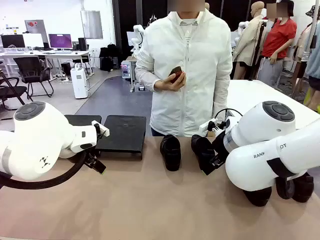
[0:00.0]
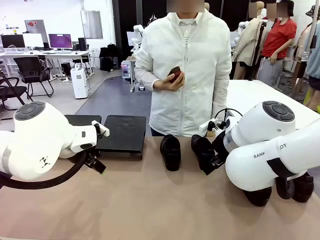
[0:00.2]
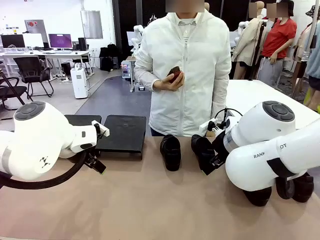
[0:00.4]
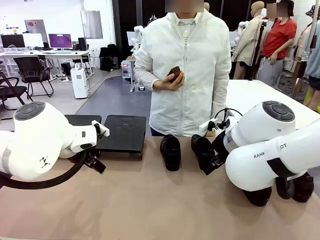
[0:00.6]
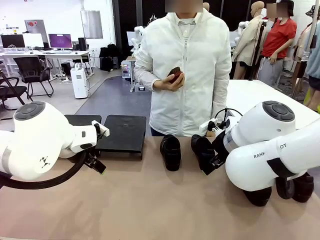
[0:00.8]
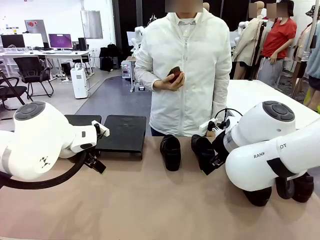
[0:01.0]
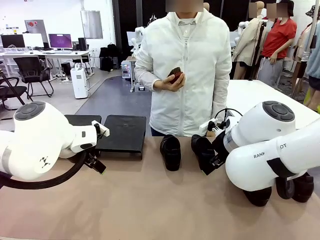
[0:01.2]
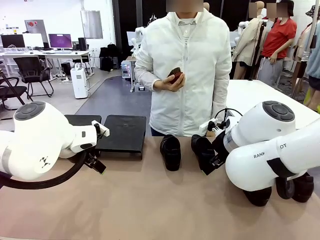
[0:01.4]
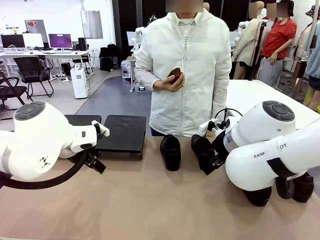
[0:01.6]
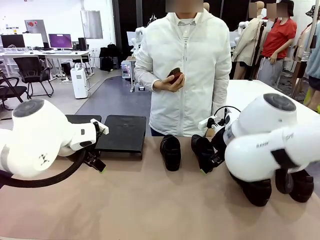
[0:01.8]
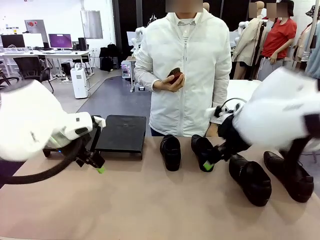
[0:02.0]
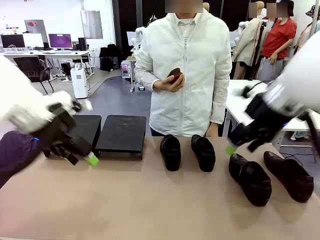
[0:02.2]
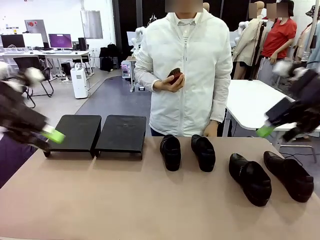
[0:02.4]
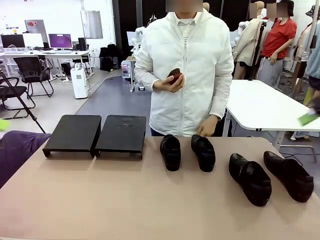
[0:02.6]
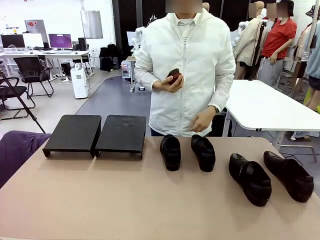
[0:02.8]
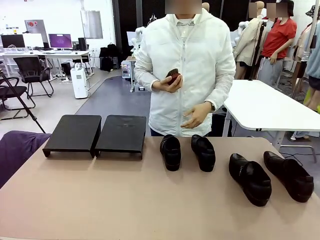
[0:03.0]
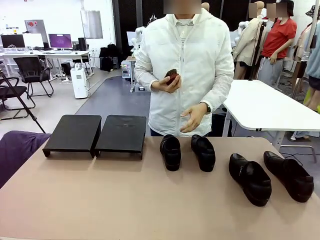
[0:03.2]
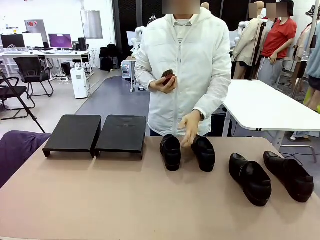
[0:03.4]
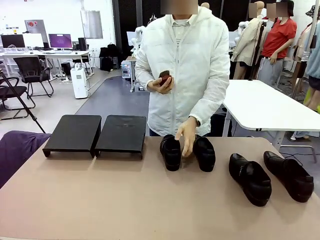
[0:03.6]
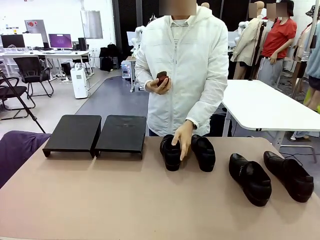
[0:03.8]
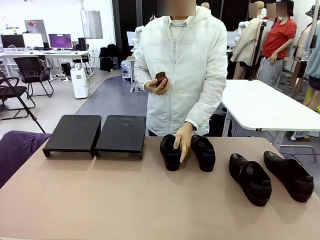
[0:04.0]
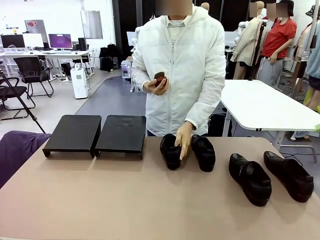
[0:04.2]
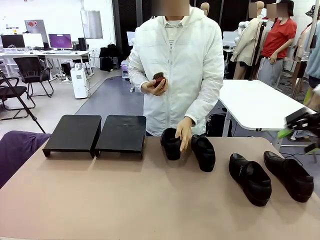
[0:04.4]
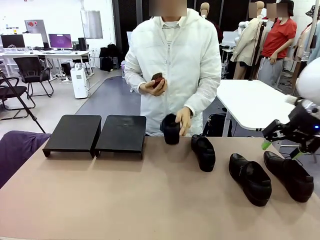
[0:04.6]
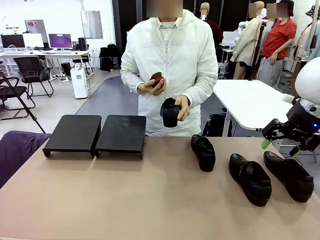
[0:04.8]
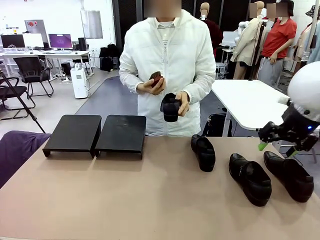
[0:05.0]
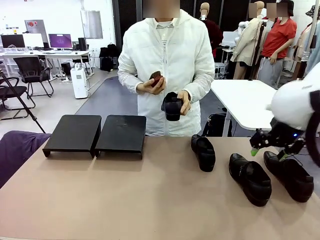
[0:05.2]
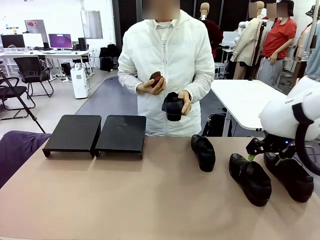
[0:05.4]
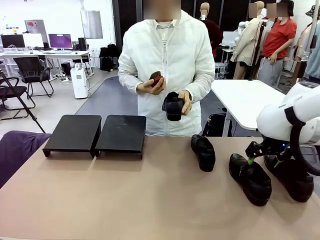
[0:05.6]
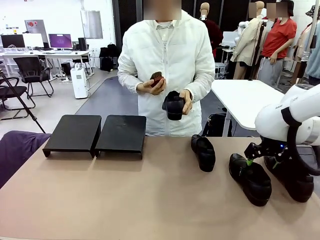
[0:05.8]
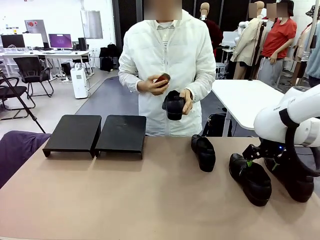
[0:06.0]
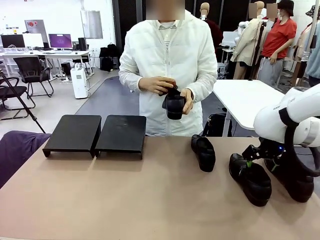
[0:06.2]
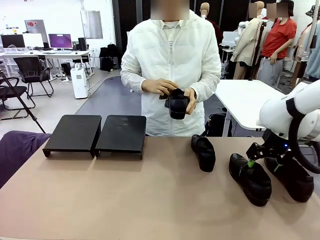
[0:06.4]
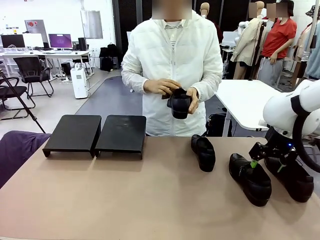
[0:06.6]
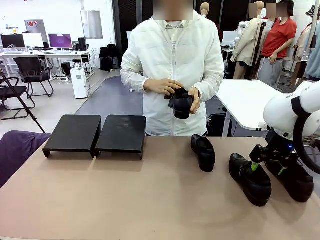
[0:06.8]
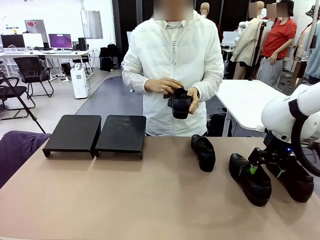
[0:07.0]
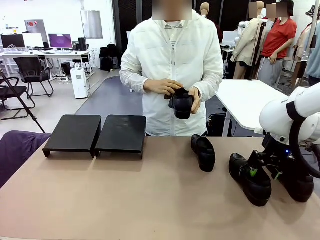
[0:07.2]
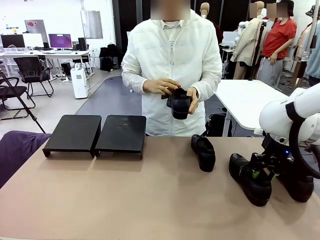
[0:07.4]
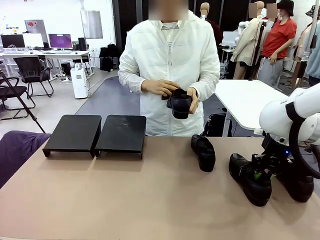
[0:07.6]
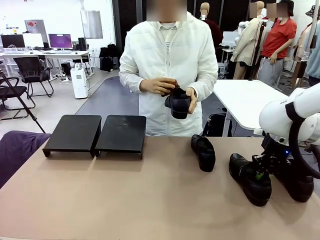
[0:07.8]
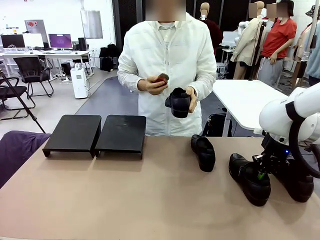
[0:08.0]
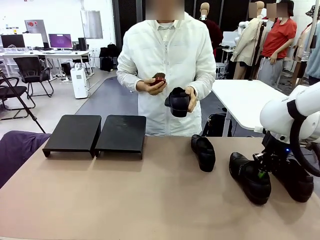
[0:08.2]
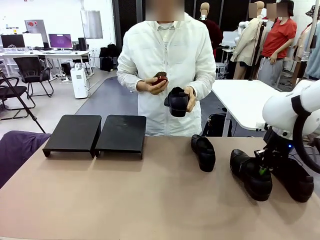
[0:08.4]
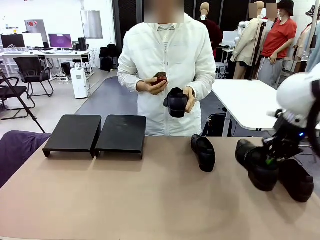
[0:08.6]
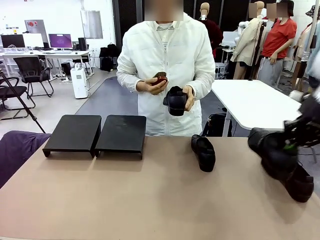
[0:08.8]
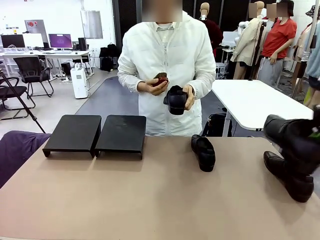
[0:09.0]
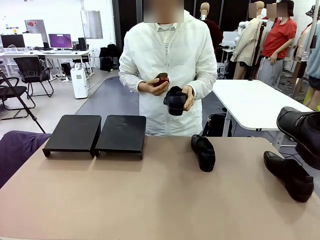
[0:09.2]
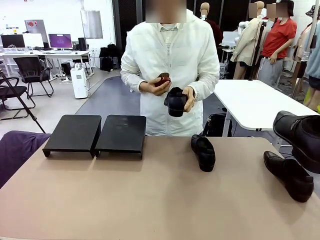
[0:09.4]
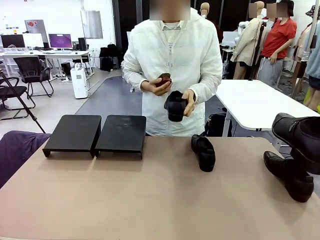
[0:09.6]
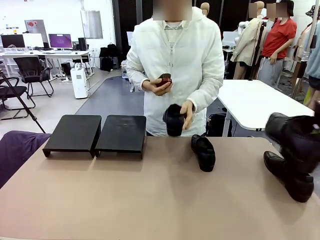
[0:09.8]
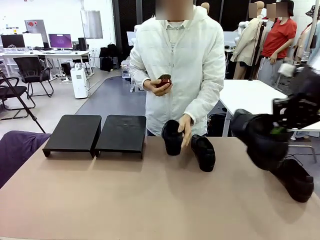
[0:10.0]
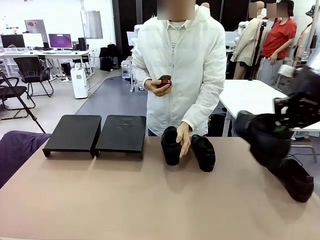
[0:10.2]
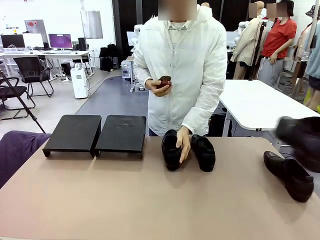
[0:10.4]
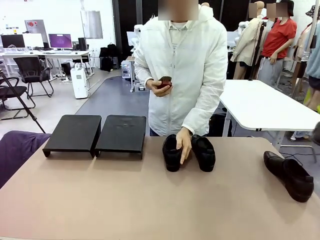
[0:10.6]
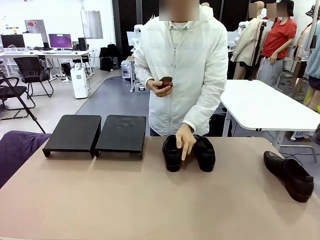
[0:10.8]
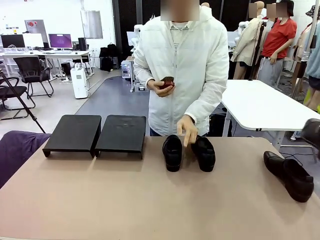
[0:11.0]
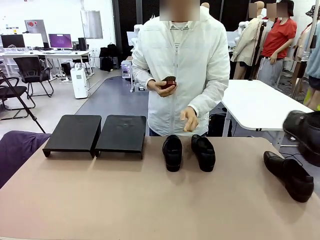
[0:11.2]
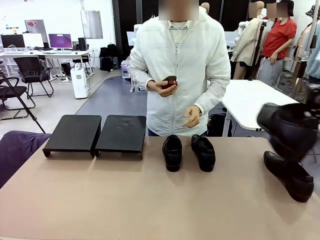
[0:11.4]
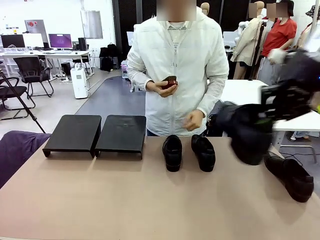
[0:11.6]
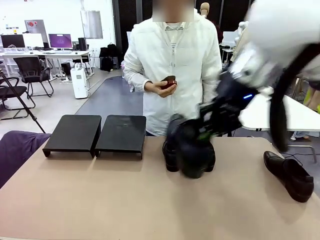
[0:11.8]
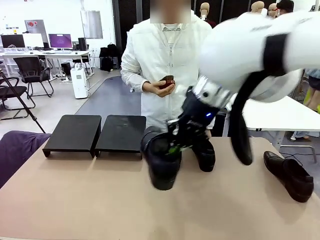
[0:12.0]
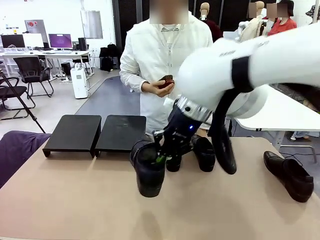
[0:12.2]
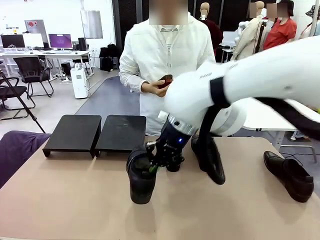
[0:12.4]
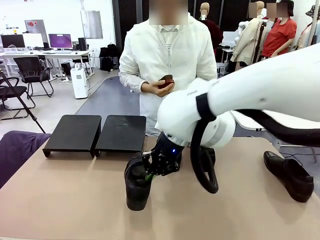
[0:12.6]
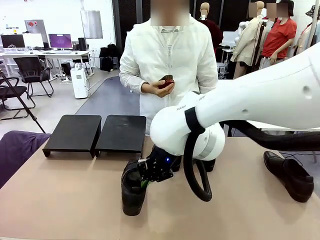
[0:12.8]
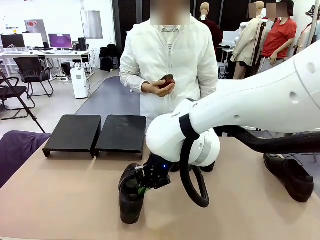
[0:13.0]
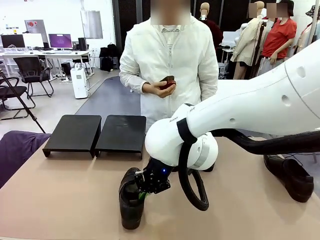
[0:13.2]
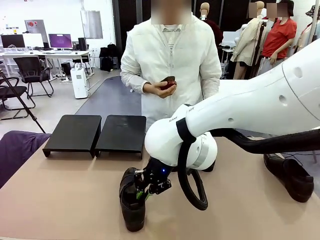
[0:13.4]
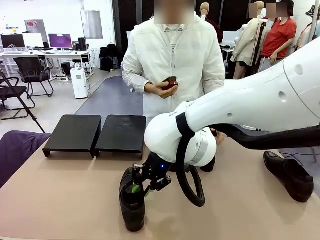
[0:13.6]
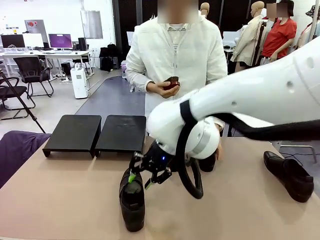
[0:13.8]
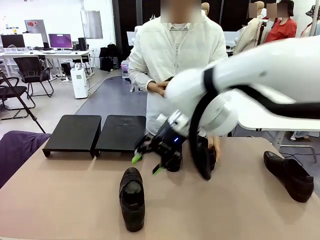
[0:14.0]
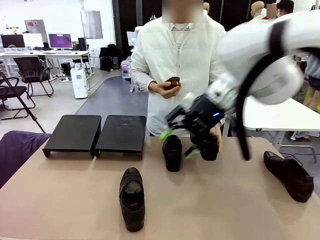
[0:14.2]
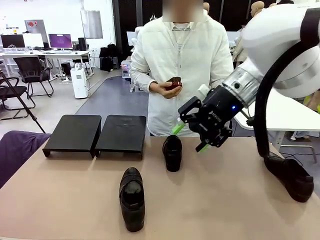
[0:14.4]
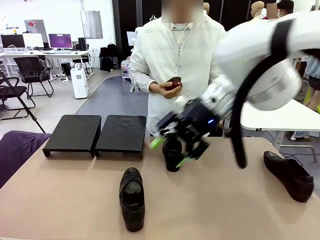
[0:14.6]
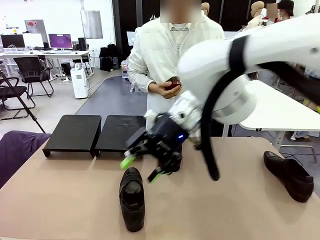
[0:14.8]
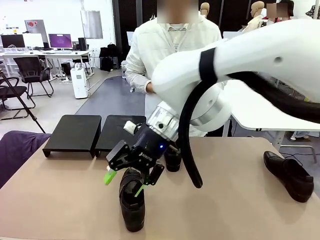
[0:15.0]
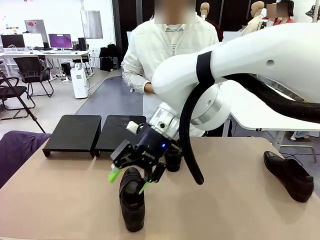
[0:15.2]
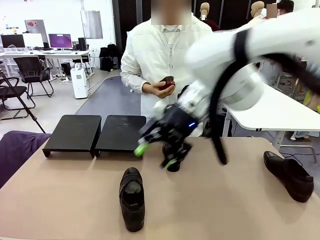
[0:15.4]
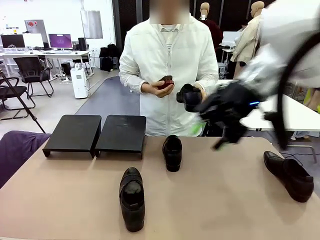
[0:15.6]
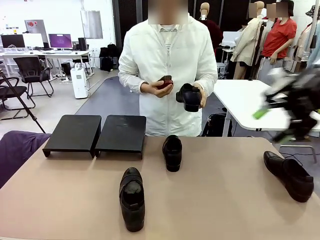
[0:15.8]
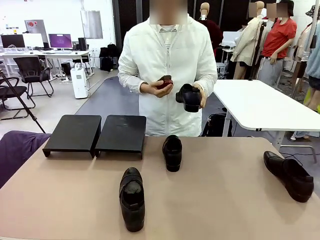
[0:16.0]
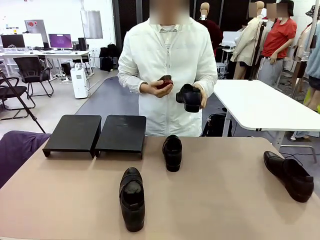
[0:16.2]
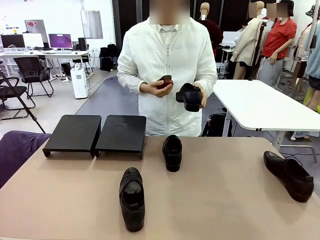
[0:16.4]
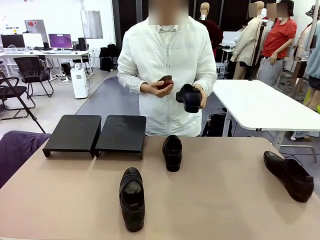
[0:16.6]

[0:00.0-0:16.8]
Task: Organize the shoes by placing them on the stand.
Robot: Pick up one Shoe and place it in the middle of the table.
Person: Pick one Shoe on Robot's table. Clean the Shoe with the Shoe Brush. Place the Shoe on left side of the Robot's table. Pick one Shoe on Robot's table.
